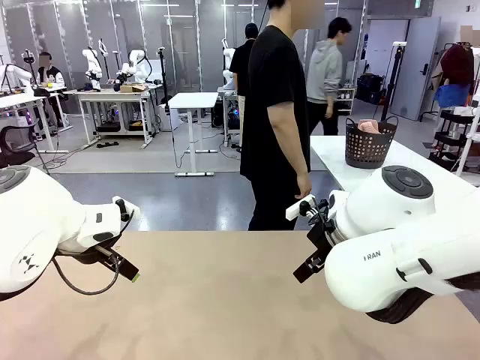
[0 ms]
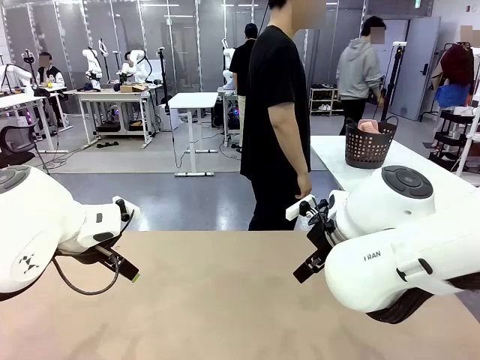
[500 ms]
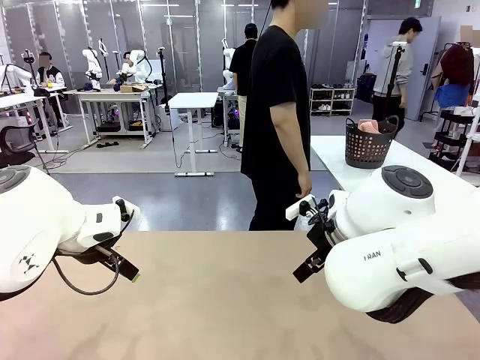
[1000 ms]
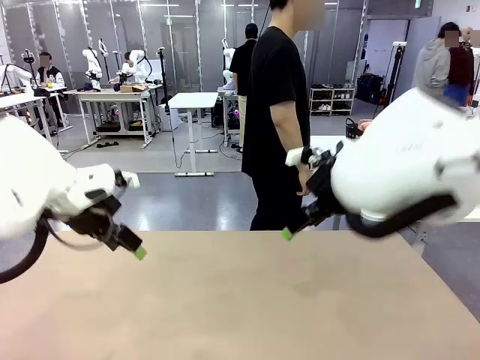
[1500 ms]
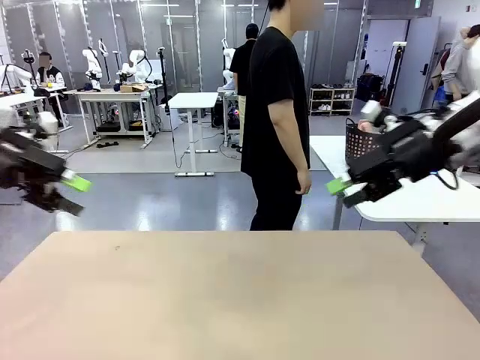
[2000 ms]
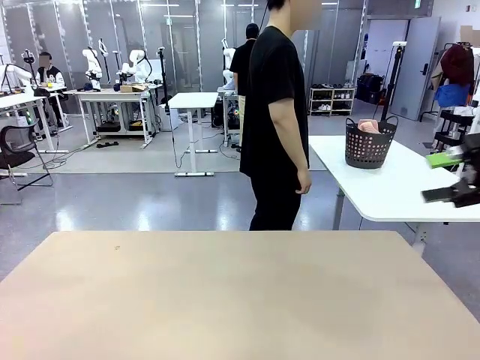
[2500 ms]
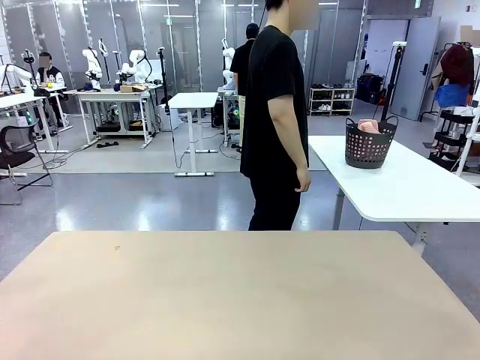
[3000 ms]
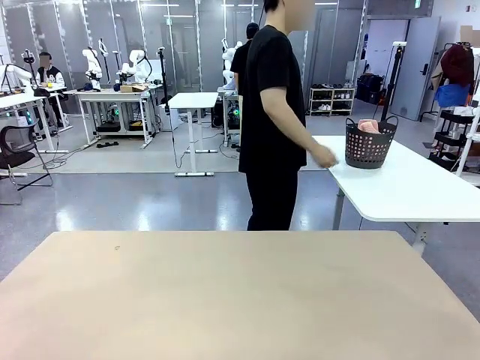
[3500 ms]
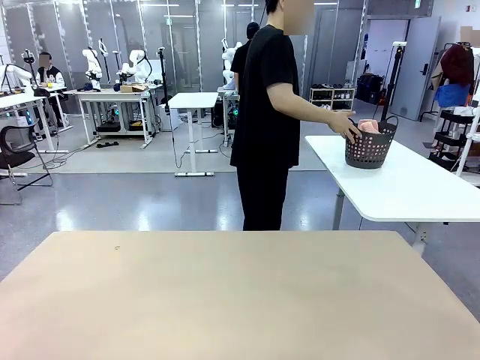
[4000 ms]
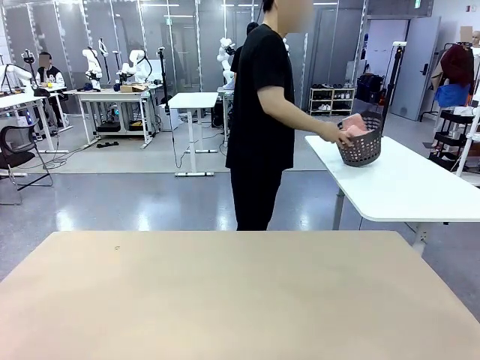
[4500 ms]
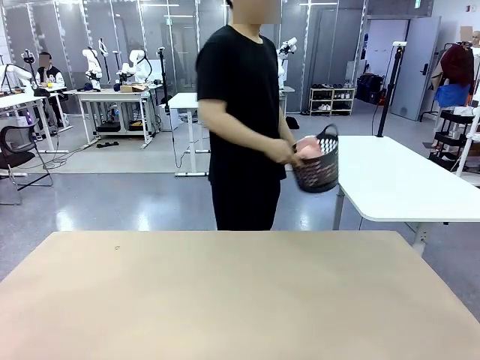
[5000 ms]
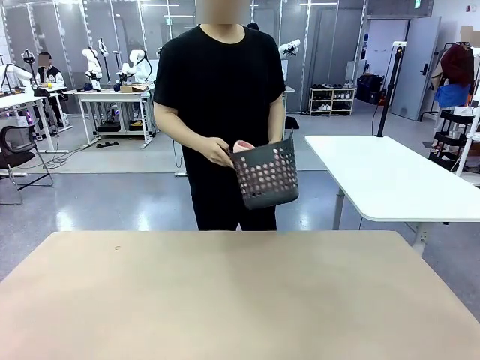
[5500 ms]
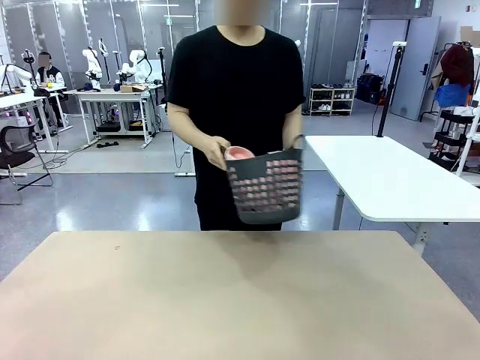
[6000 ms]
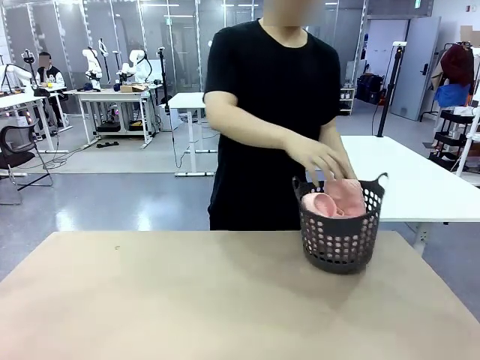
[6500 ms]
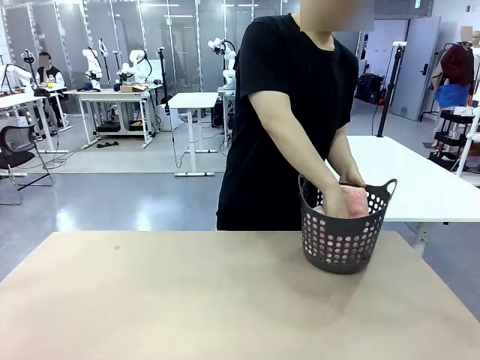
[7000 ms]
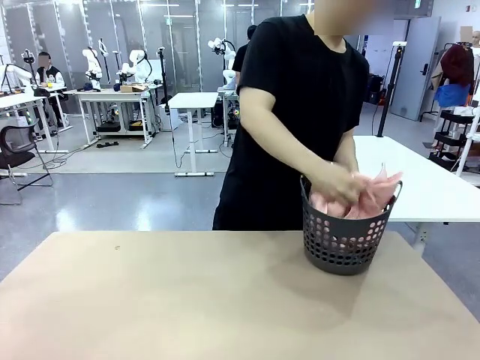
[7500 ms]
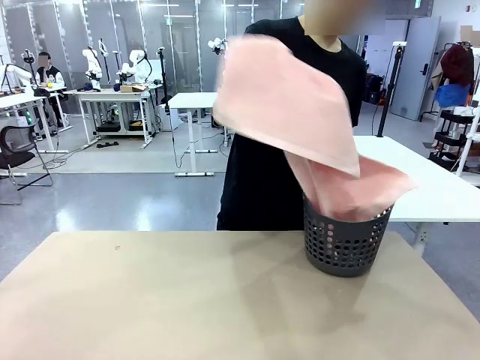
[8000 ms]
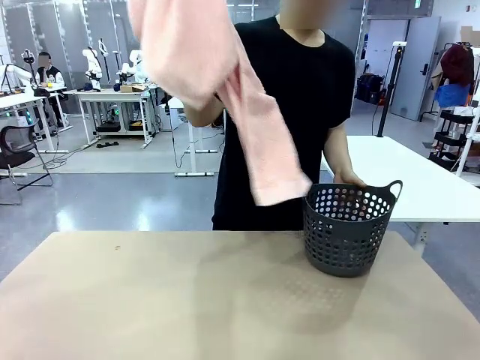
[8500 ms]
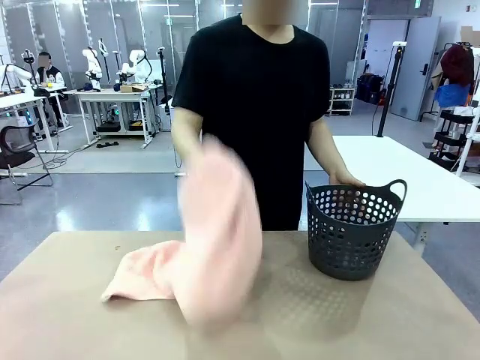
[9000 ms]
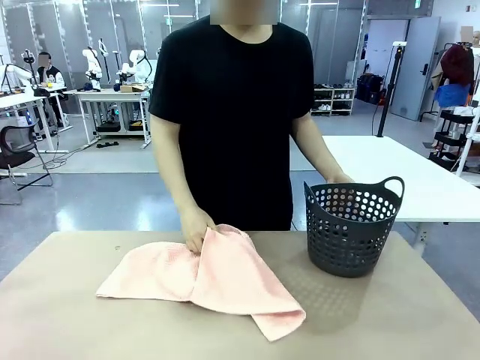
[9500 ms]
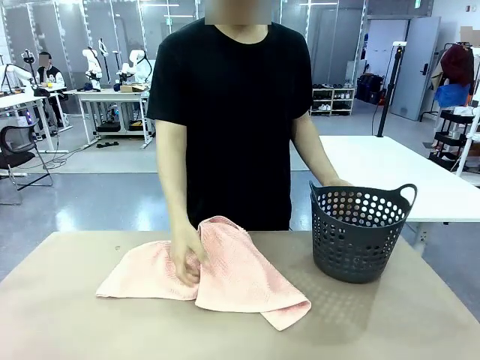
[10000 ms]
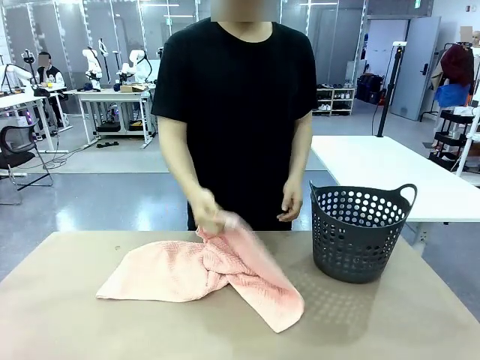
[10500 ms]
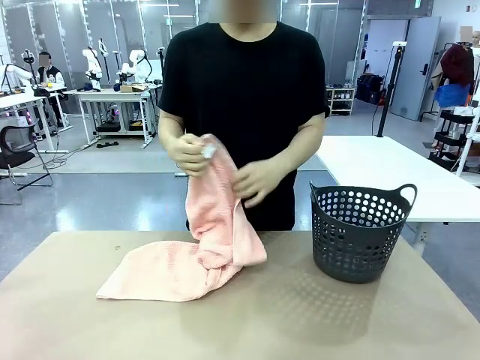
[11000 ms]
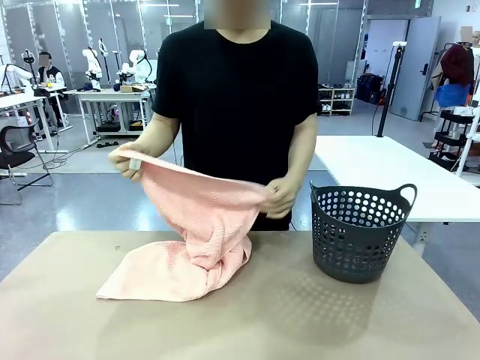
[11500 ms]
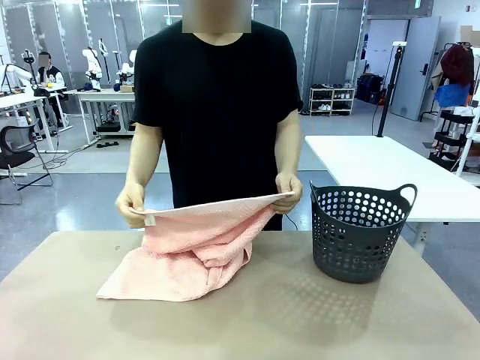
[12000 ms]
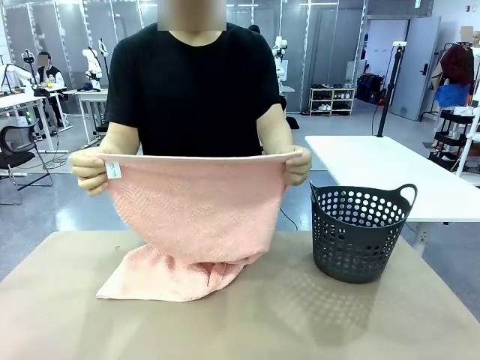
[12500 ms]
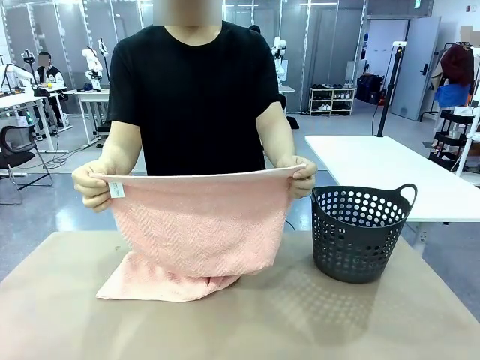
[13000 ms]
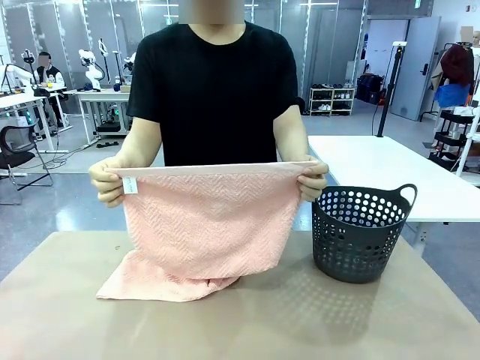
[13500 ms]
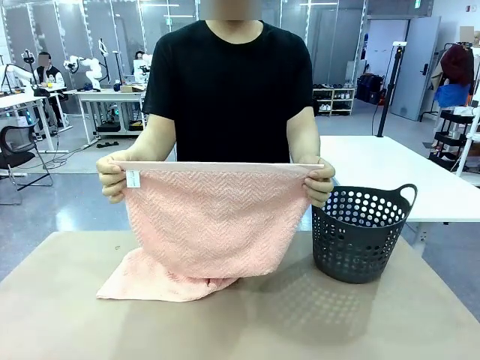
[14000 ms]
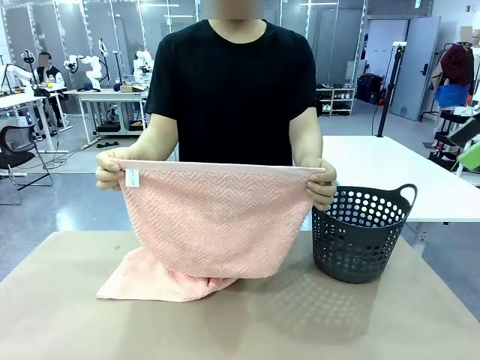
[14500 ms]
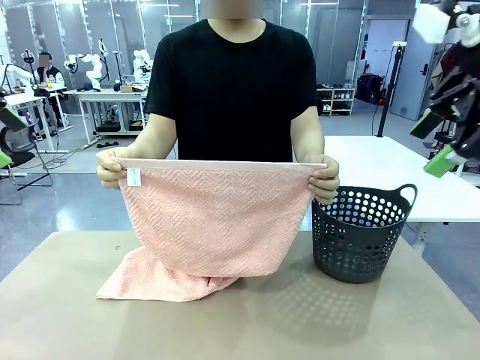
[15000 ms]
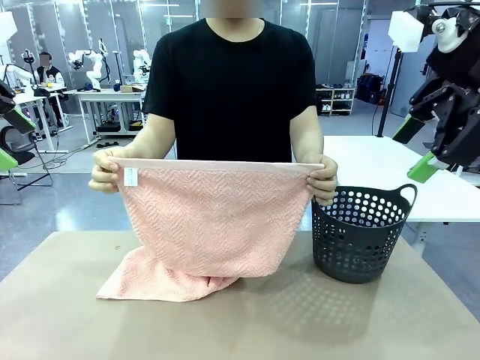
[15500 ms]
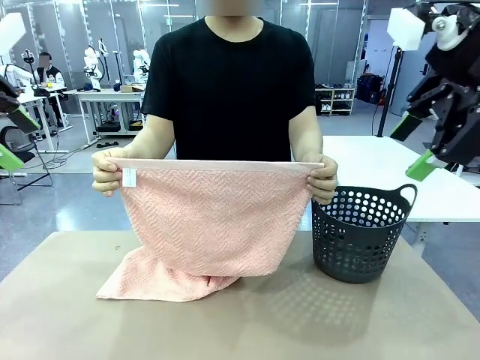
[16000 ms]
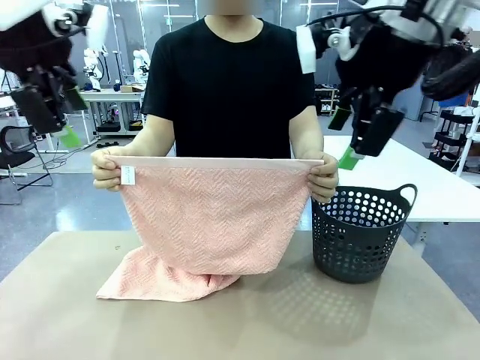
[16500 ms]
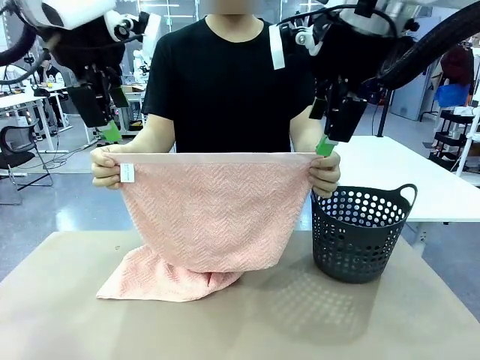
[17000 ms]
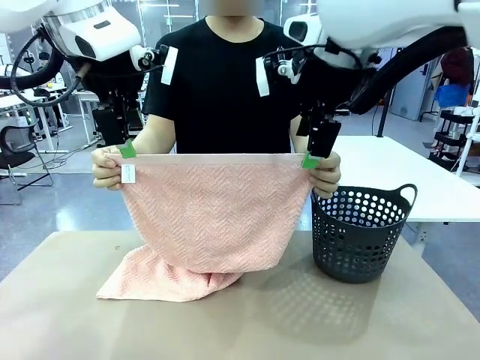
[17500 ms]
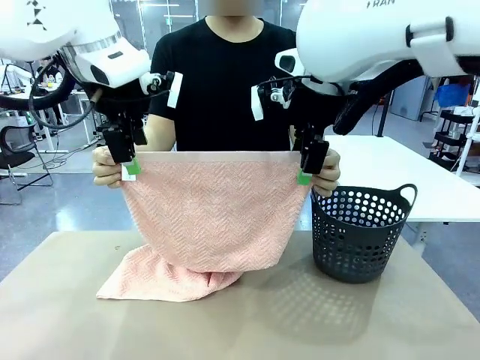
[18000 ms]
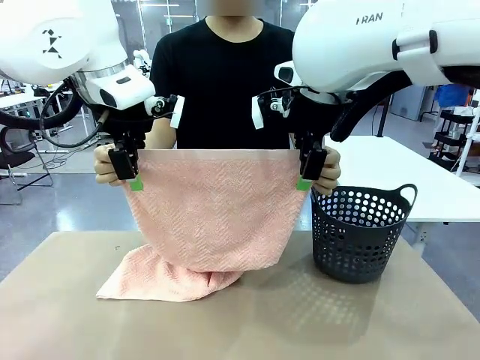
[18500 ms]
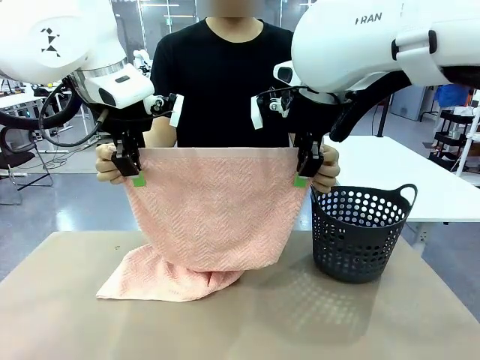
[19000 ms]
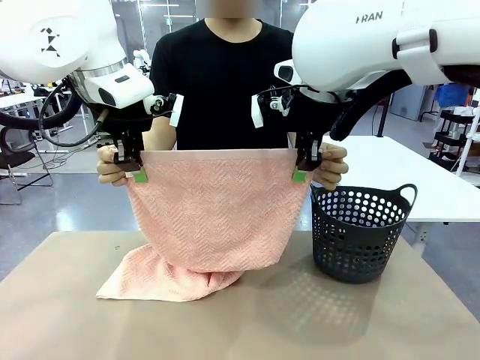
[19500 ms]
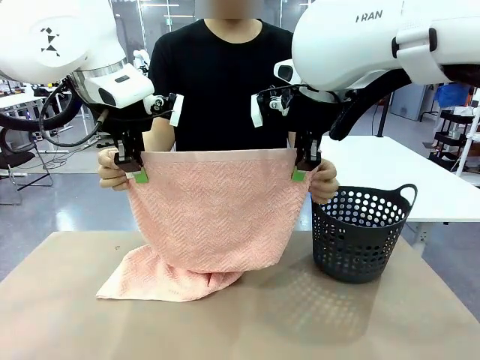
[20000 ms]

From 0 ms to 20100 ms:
Task: Fold the towel.
Robot: Grab the top end of the 100 cm Hotel Towel extended by the human.
Person: Pick up the laundry basket, place it on the left side of the robot table, then take out a towel and hand it to the robot while holding both corners of one end.
